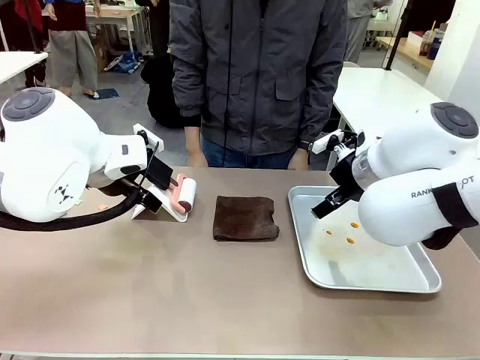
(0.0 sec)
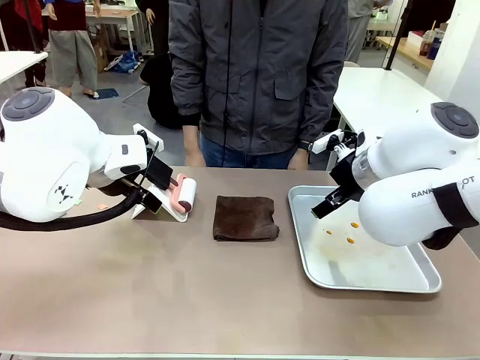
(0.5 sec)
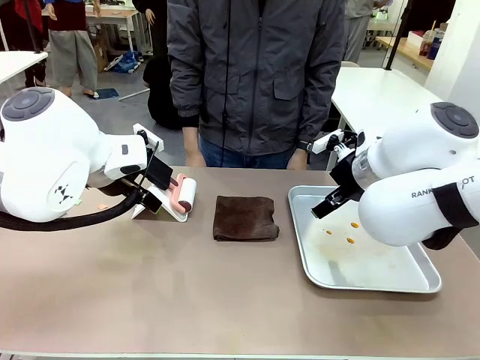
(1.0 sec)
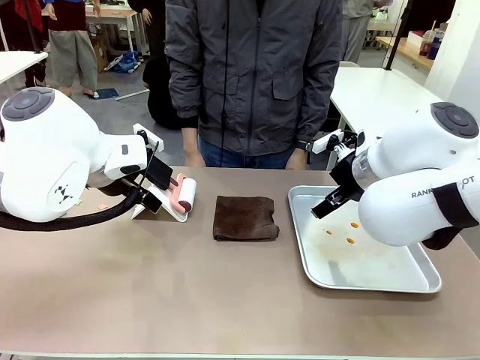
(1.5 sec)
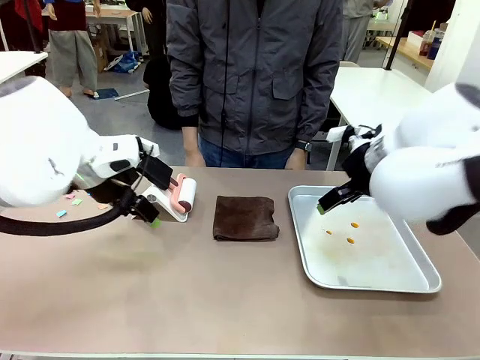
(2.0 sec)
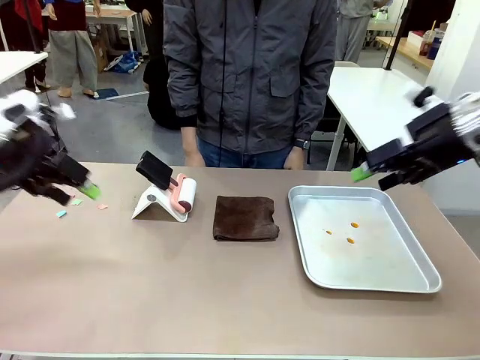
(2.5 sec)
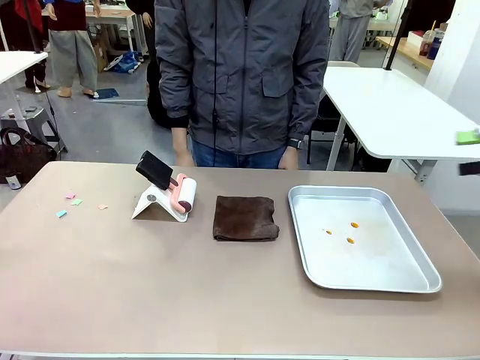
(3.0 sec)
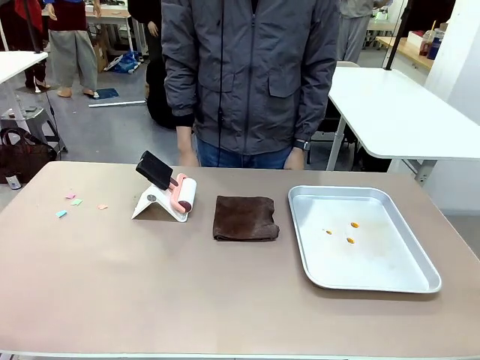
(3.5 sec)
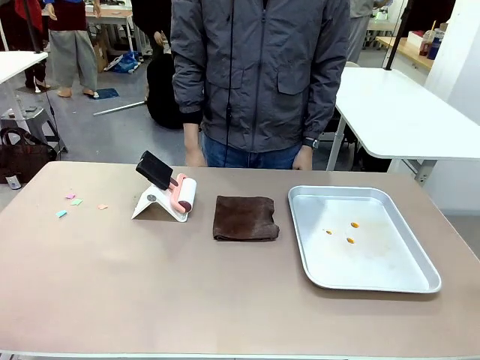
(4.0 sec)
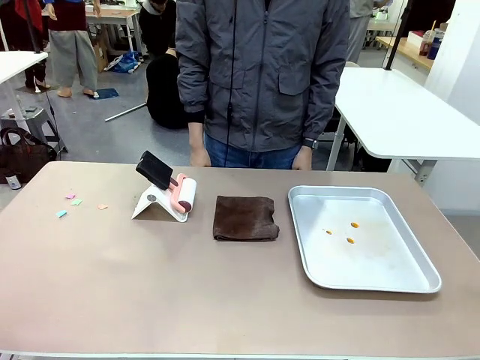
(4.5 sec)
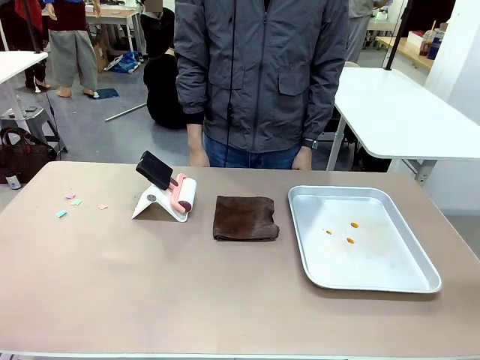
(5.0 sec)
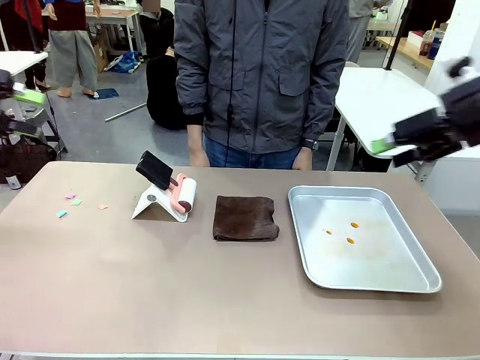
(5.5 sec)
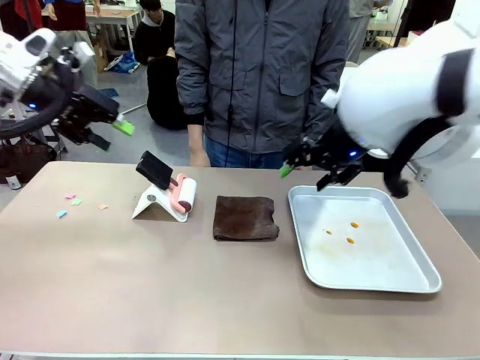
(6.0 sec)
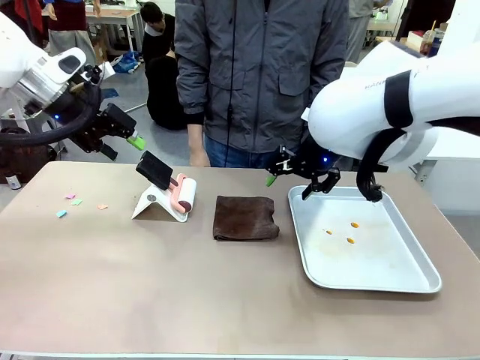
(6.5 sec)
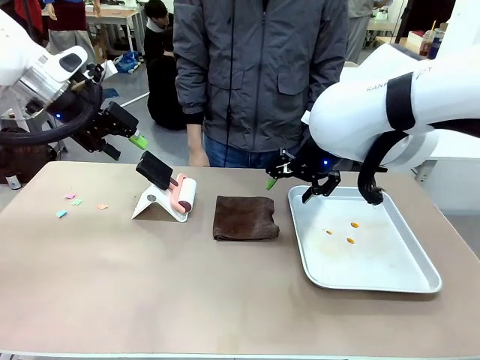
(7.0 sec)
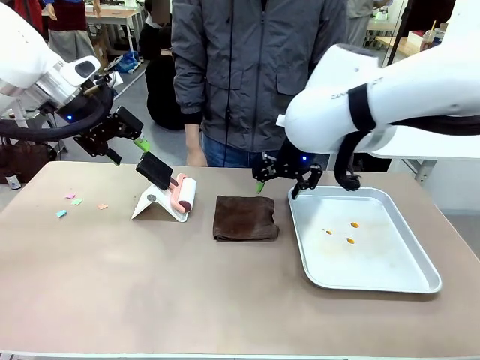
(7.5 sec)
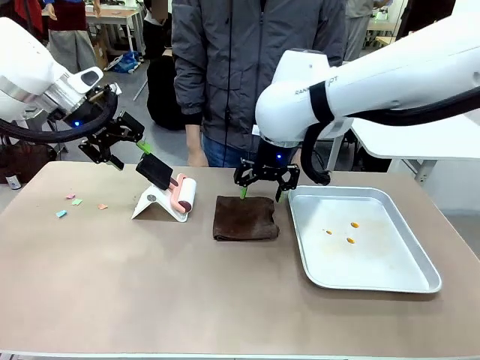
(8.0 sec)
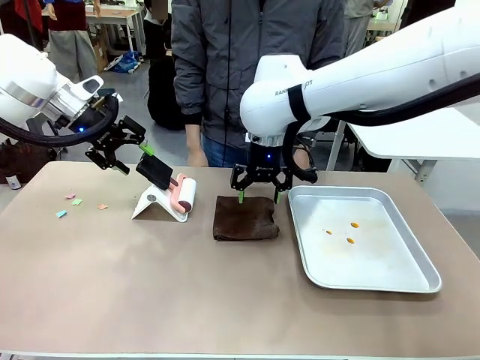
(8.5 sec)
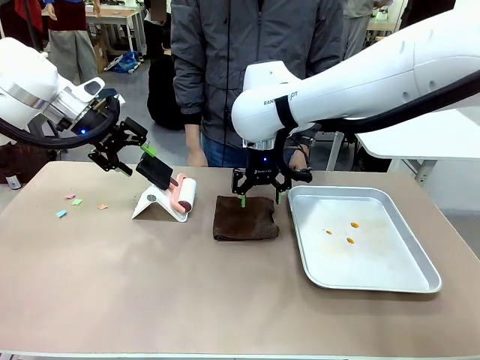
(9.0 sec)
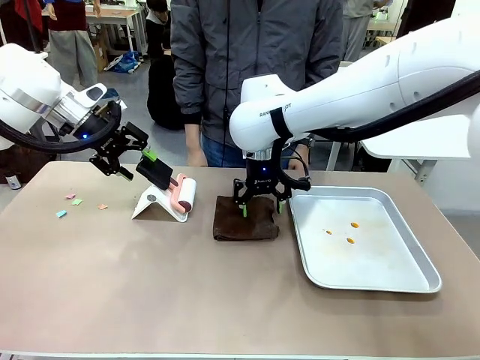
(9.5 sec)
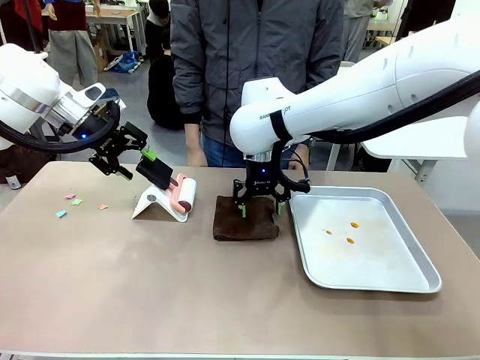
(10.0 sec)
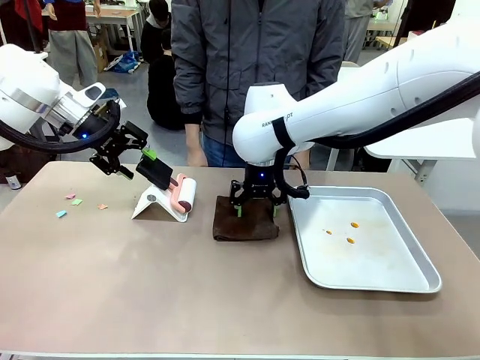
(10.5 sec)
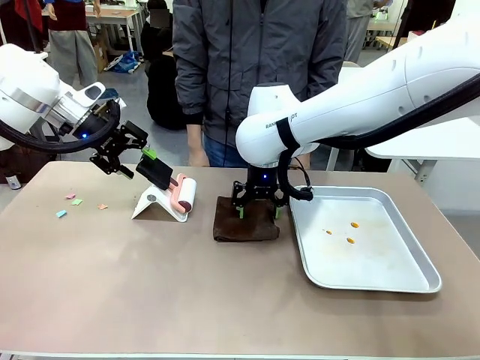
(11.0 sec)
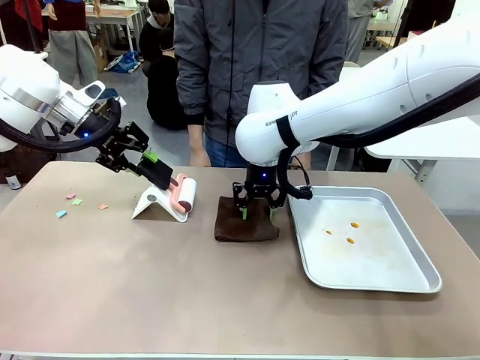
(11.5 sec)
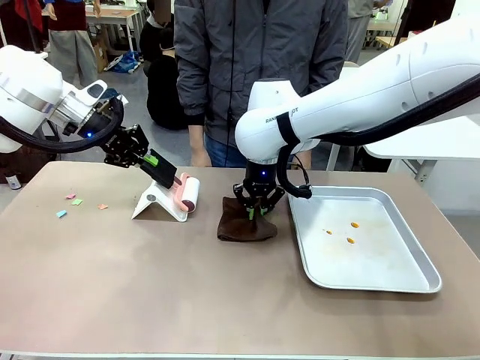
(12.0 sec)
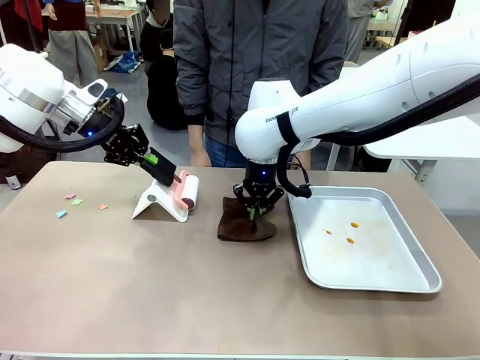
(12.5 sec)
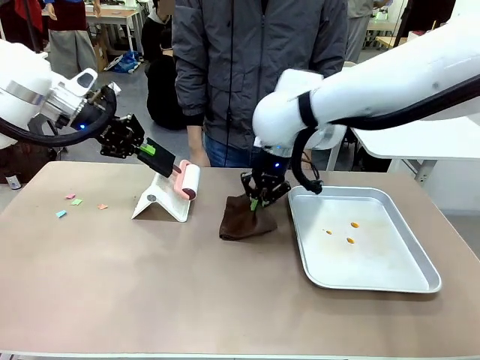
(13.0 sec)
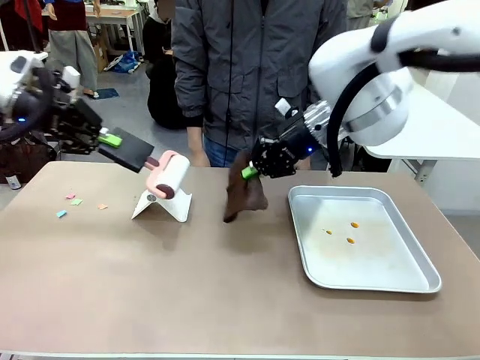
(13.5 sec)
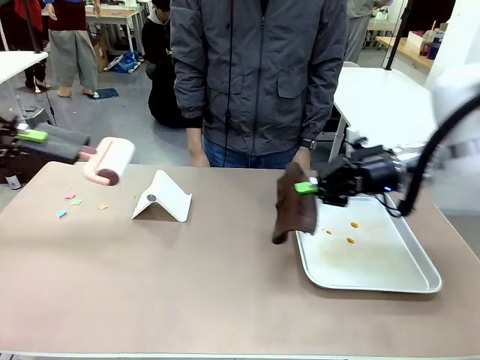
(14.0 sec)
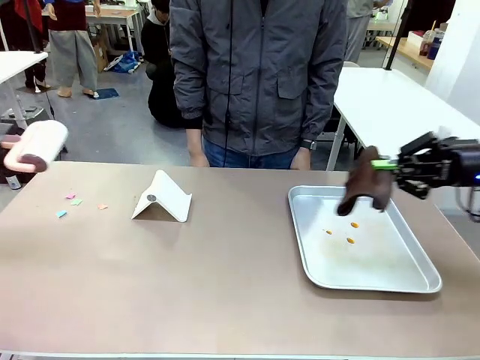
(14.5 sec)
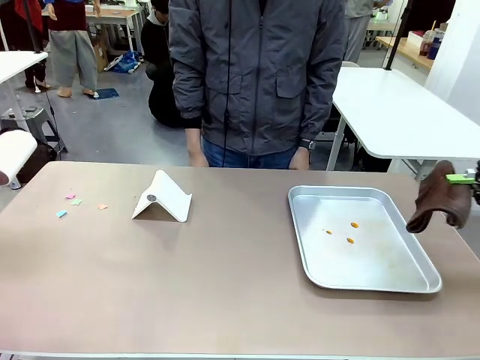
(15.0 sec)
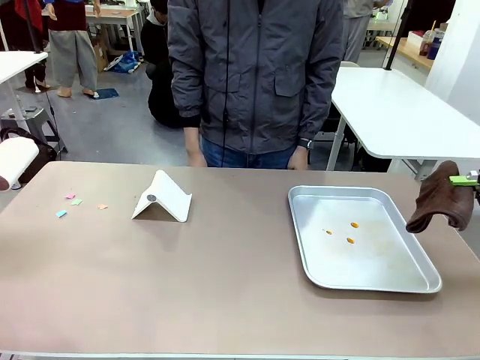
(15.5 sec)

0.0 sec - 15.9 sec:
Task: Clean the surface of the table.
Robot: Hold the Lint Roller with your left hand and the towel with your right hand.

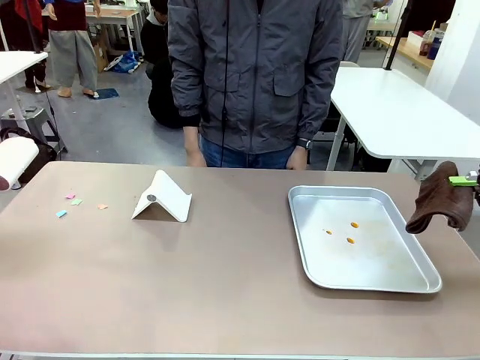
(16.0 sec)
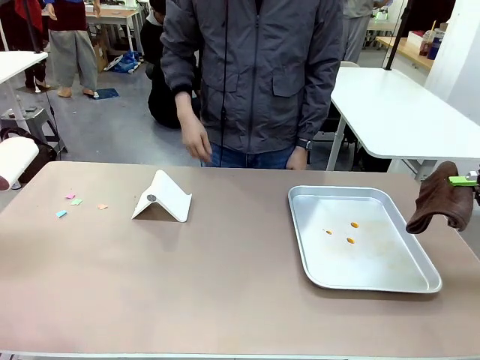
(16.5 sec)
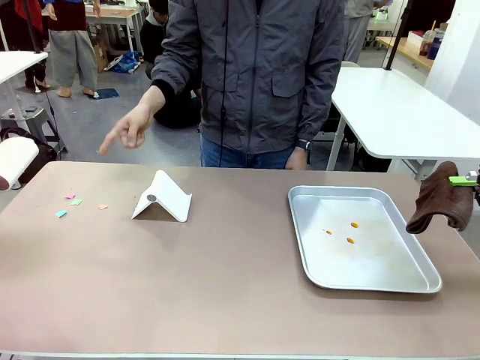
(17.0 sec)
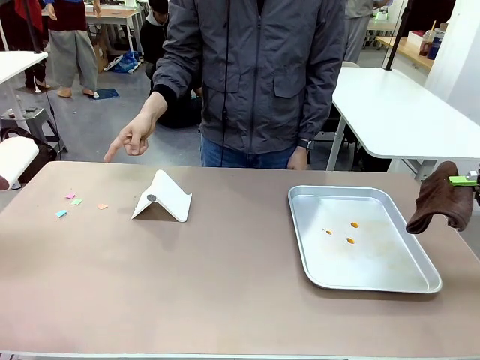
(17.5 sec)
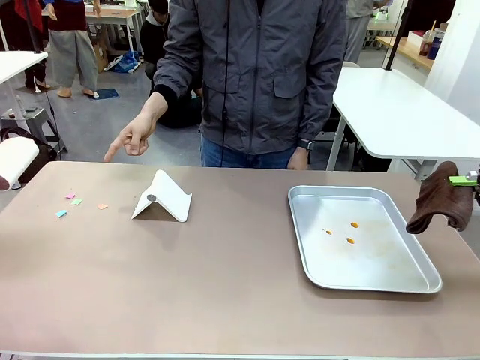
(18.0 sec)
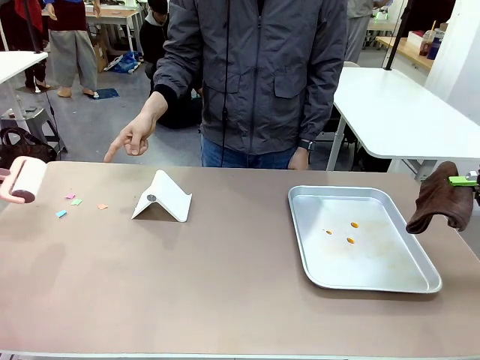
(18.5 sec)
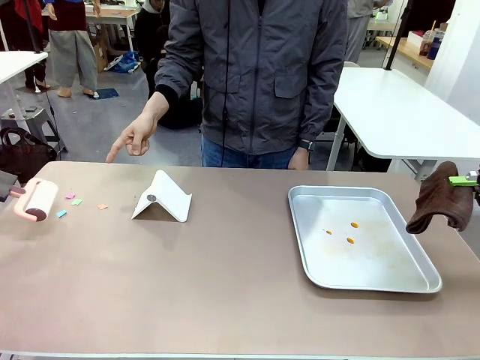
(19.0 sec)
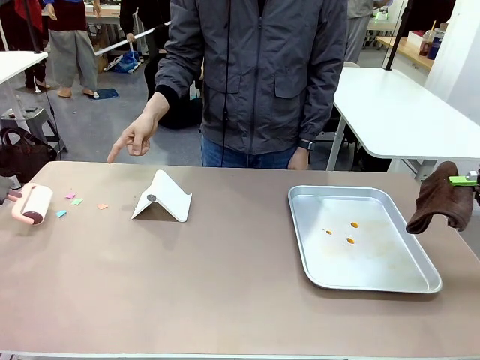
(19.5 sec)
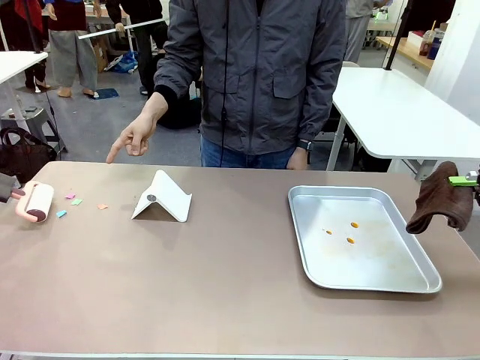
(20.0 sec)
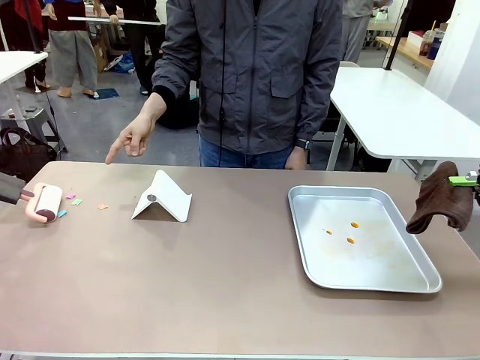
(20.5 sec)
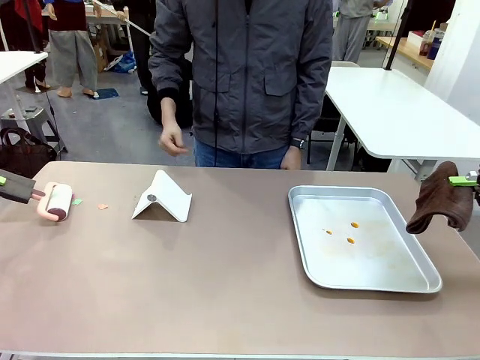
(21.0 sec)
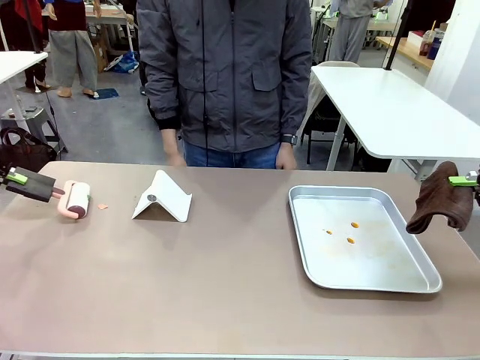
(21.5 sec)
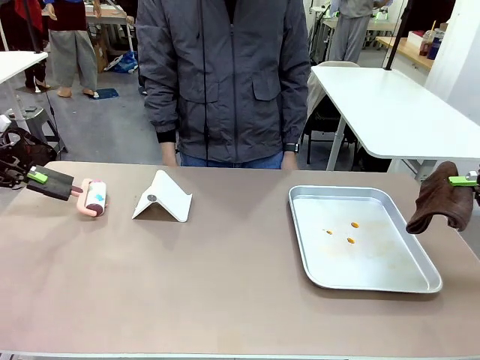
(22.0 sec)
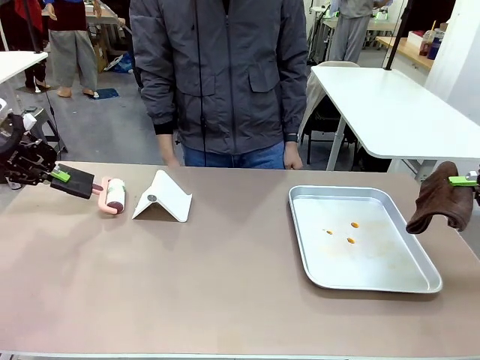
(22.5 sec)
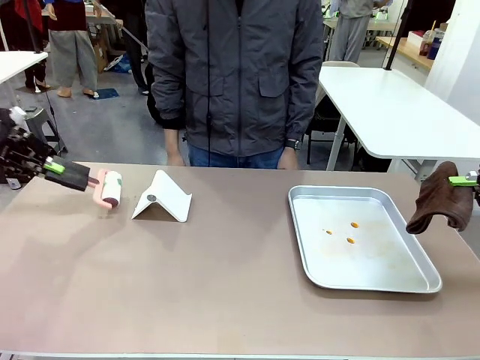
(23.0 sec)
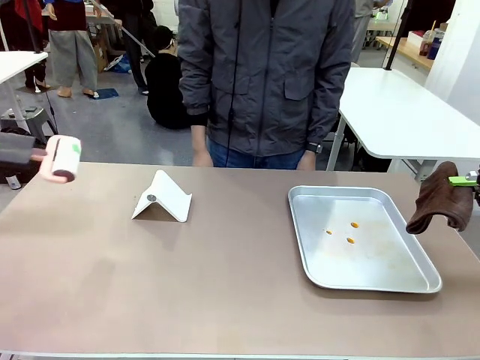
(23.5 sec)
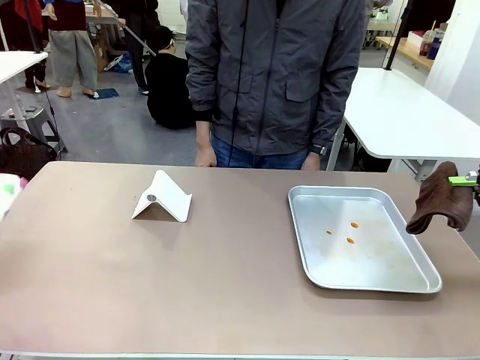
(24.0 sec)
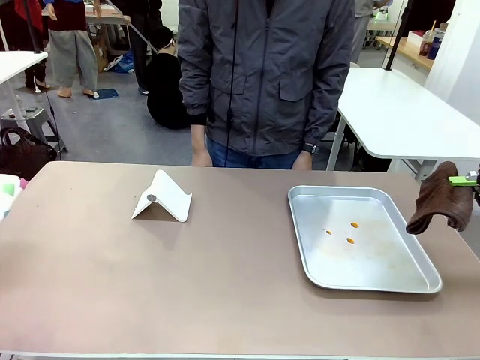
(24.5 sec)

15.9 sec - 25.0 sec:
Robot: If a person points to the right, clean the right side of the table with your right hand, and if they point to the left, clean the left side with your left hand.
